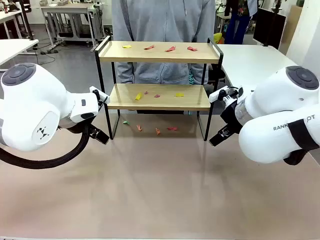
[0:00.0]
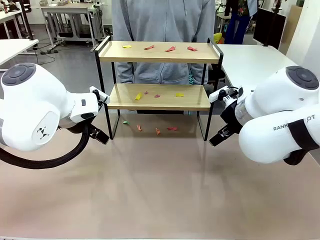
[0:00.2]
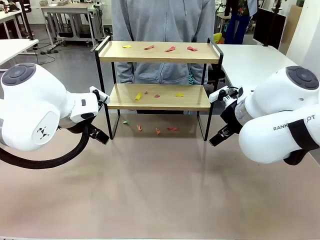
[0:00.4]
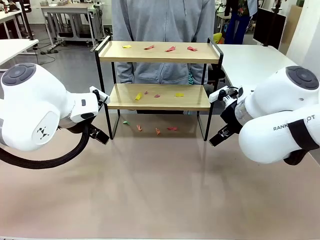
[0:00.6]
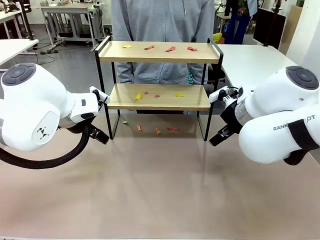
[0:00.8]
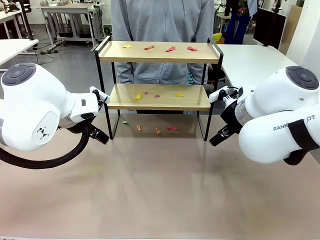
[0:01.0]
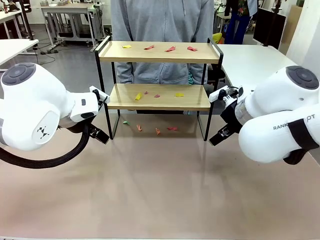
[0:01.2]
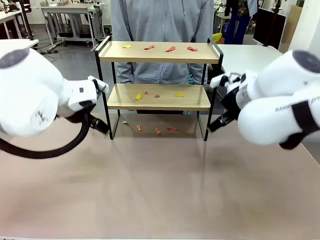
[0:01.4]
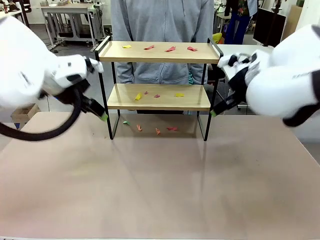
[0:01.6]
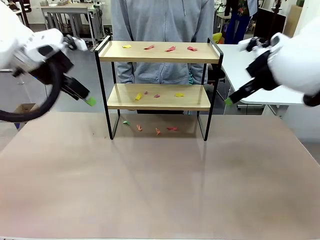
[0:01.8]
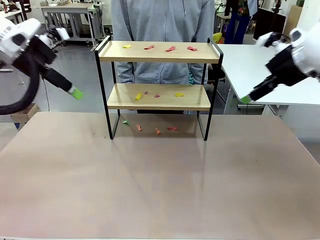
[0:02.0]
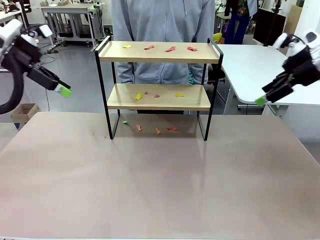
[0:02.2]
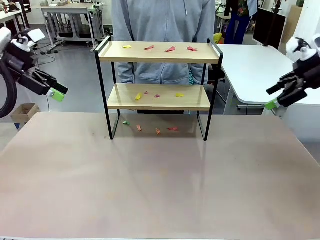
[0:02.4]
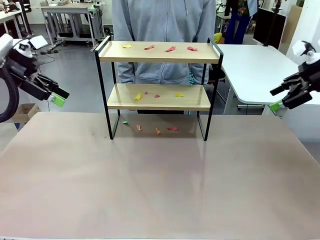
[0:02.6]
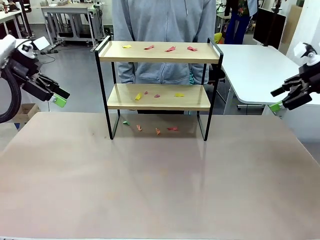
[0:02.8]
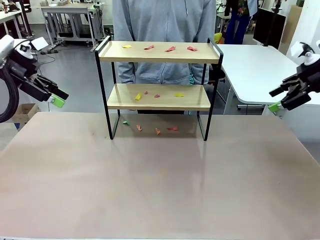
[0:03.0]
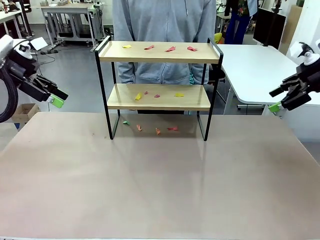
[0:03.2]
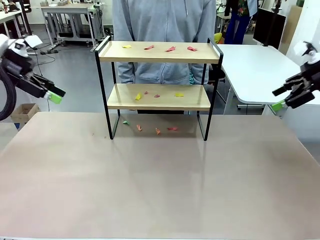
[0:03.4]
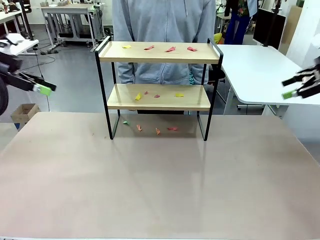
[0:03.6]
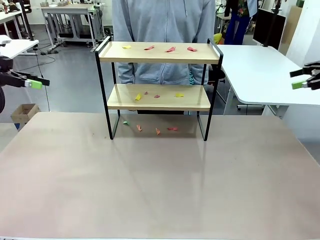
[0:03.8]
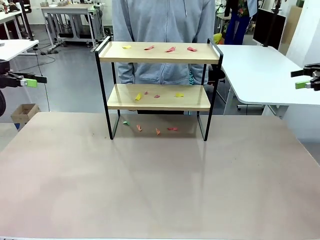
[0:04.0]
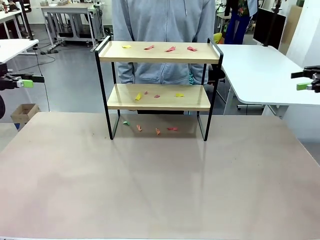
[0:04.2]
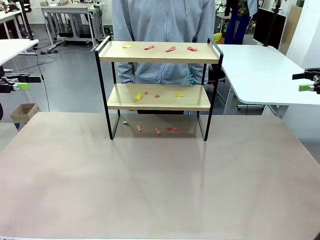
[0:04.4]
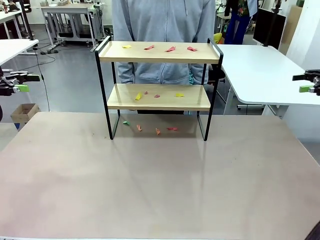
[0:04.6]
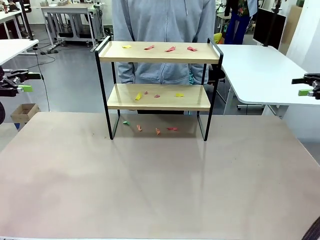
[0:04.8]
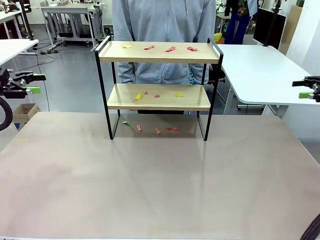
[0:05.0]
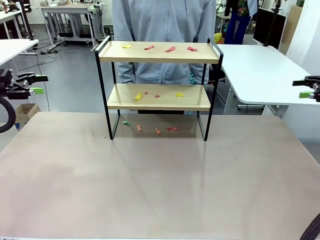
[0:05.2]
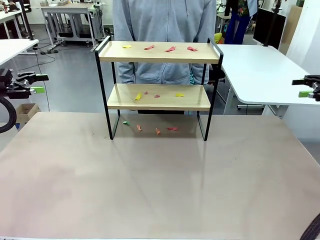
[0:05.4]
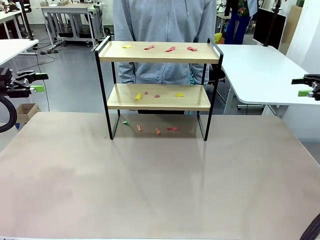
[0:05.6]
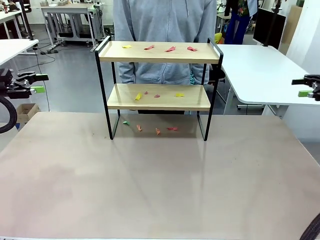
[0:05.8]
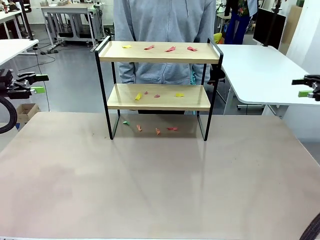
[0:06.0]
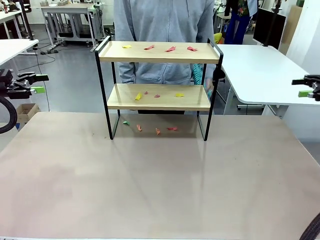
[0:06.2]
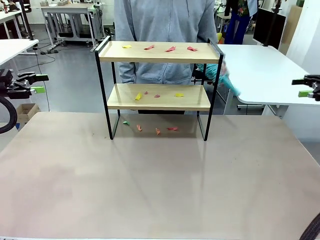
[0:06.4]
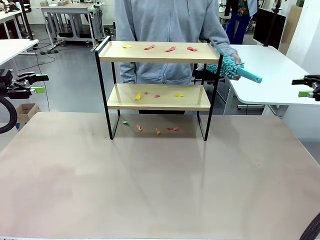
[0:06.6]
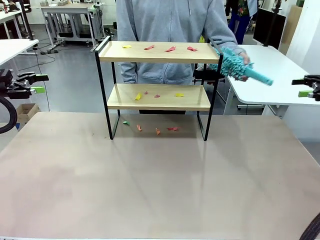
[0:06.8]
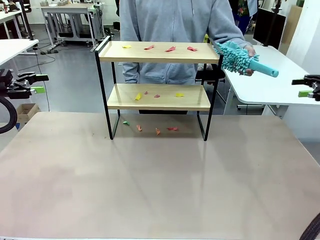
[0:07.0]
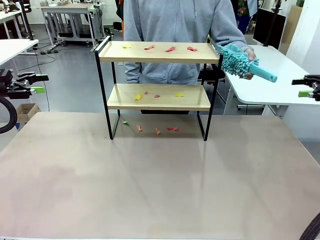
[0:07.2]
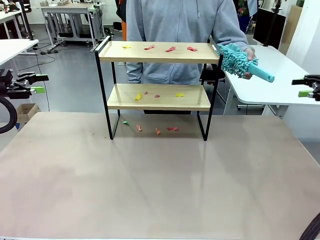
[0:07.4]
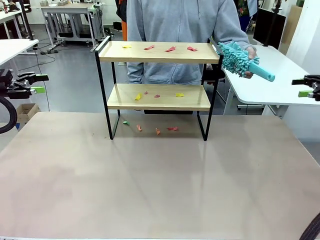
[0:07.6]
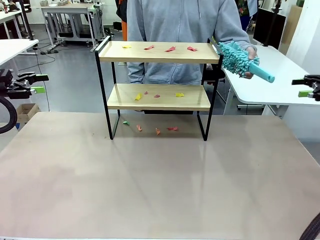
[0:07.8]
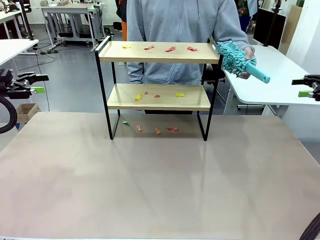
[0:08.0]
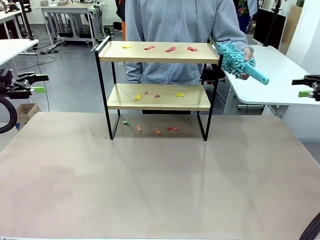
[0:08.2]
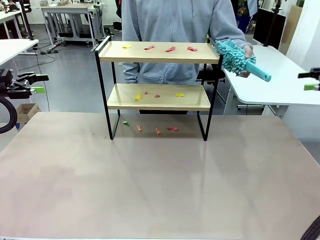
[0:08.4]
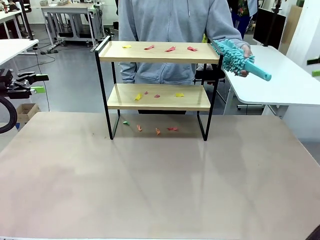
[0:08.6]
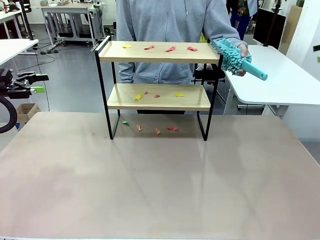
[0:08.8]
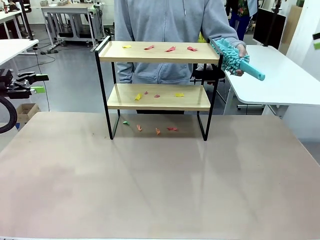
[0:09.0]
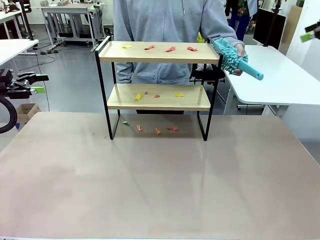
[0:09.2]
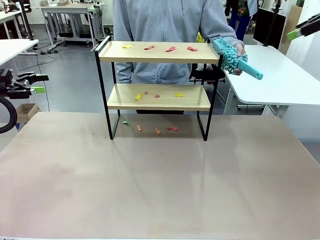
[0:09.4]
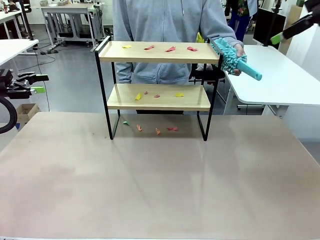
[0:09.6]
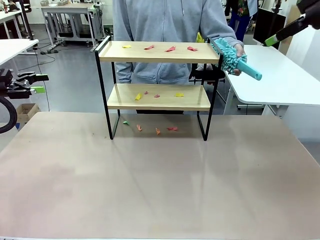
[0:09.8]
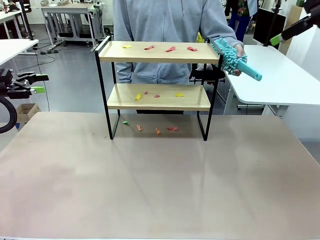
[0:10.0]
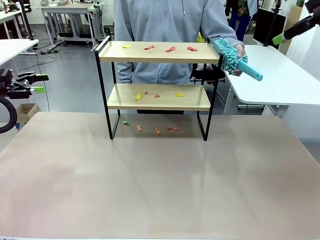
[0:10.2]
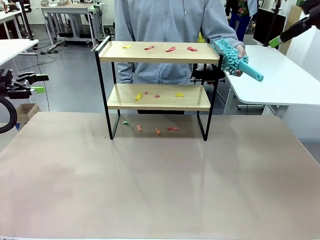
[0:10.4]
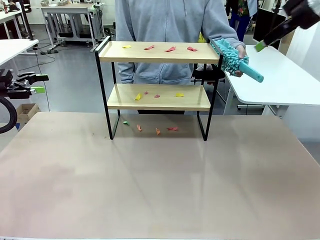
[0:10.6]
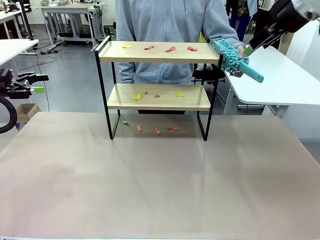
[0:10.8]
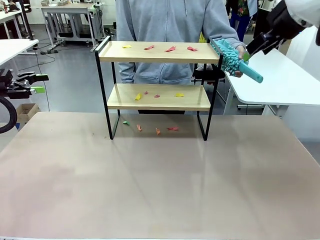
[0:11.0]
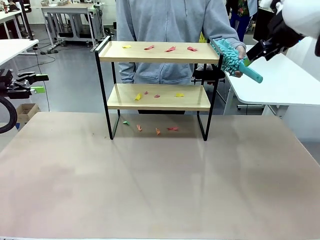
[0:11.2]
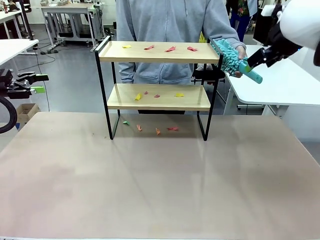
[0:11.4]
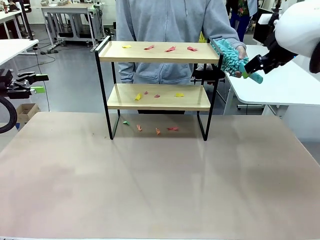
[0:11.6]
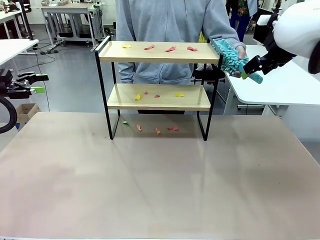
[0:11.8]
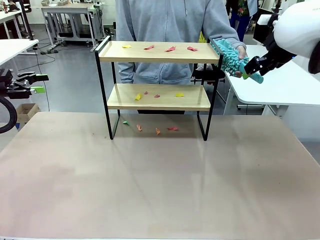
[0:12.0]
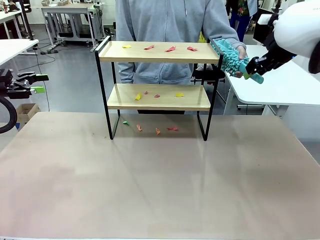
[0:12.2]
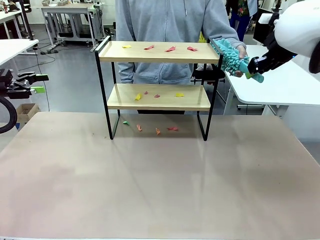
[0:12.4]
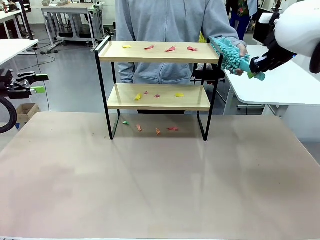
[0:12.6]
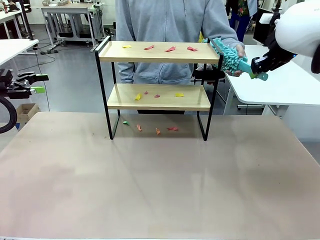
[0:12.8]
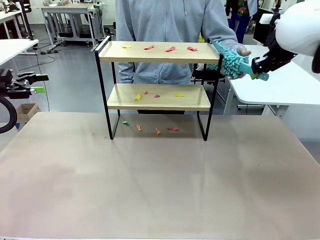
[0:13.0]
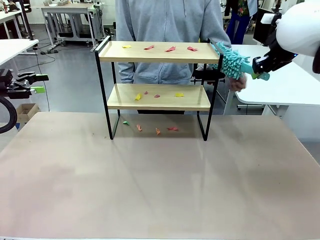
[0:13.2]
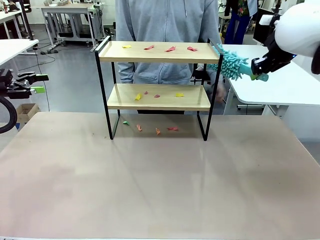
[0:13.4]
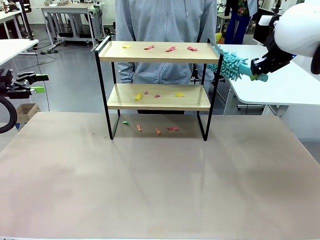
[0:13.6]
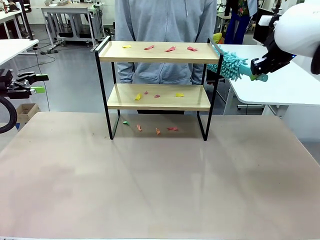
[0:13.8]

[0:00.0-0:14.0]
Task: Clean the shelf.
Robot: Pick up the Duster handed by the human.
Person: Hand the Duster to the robot.

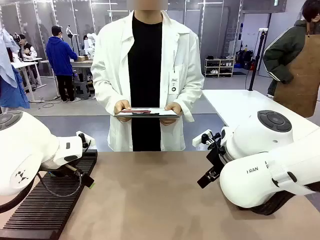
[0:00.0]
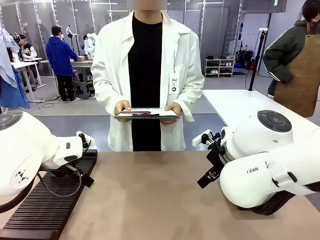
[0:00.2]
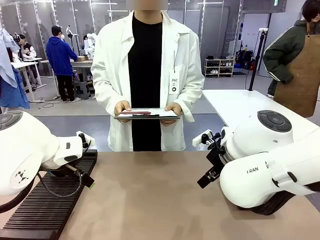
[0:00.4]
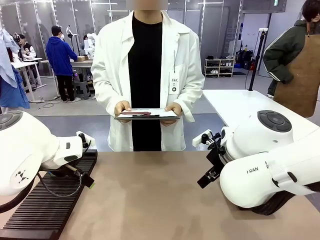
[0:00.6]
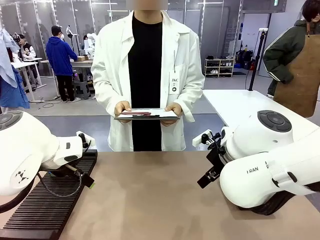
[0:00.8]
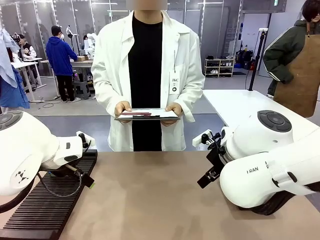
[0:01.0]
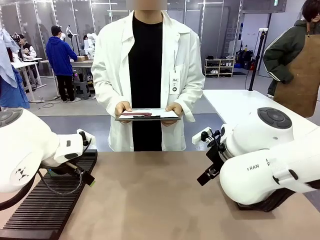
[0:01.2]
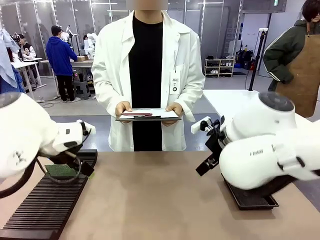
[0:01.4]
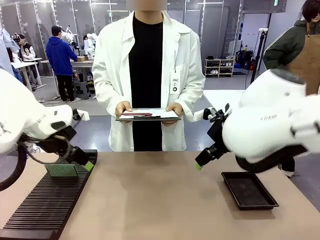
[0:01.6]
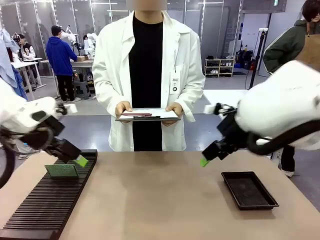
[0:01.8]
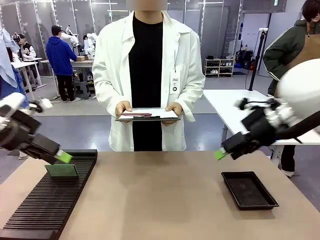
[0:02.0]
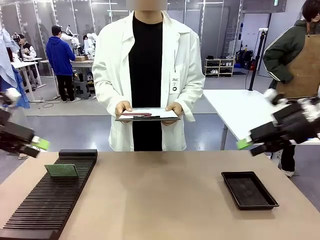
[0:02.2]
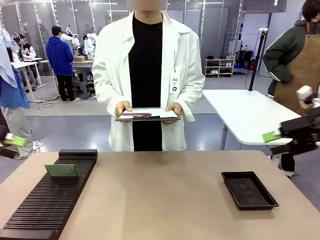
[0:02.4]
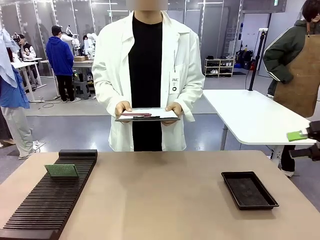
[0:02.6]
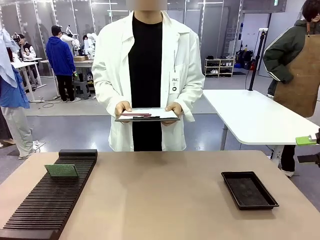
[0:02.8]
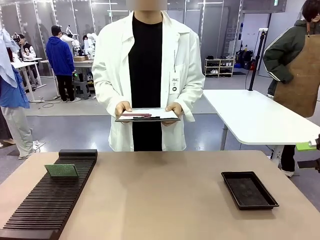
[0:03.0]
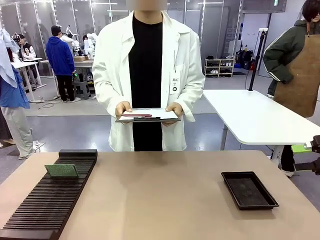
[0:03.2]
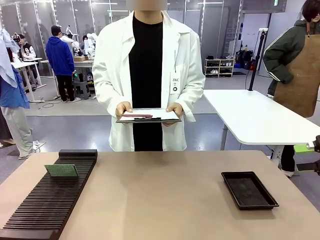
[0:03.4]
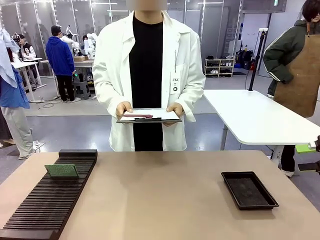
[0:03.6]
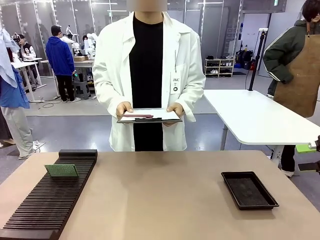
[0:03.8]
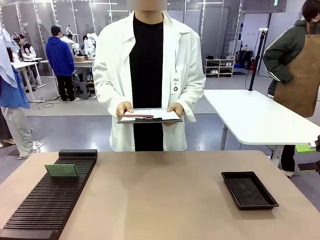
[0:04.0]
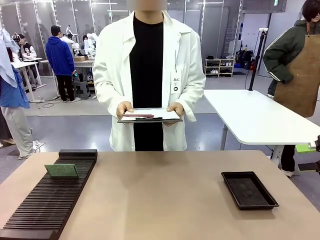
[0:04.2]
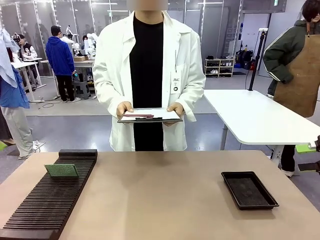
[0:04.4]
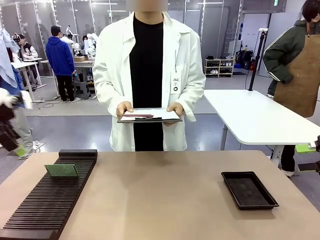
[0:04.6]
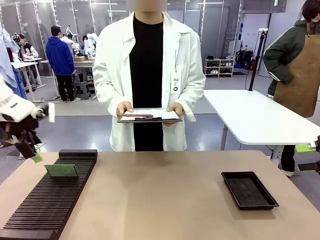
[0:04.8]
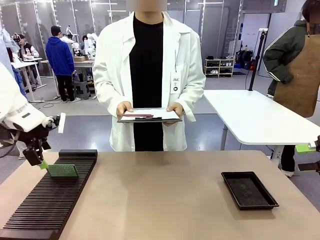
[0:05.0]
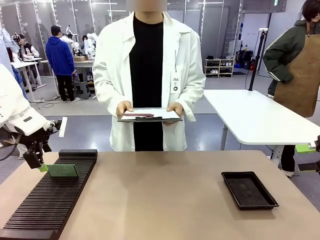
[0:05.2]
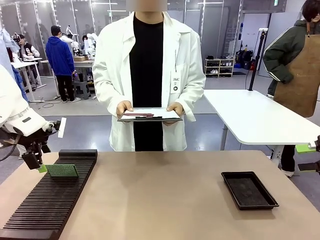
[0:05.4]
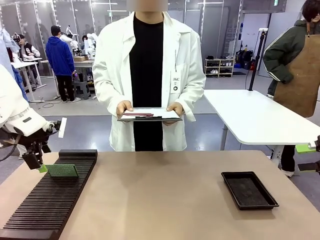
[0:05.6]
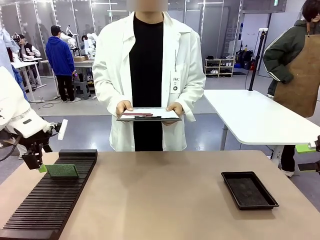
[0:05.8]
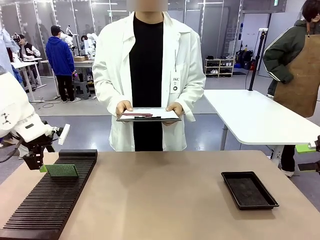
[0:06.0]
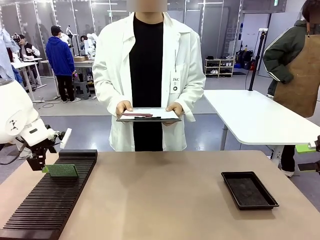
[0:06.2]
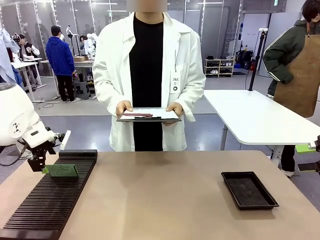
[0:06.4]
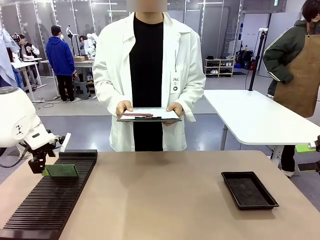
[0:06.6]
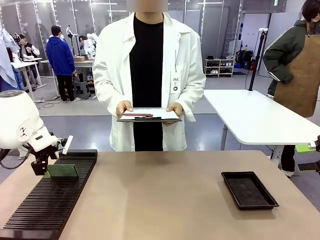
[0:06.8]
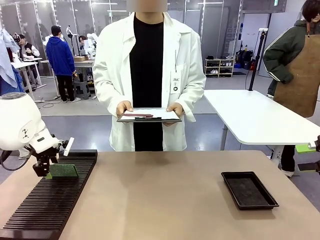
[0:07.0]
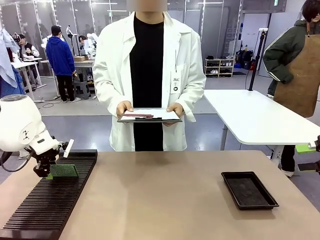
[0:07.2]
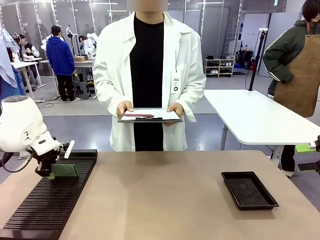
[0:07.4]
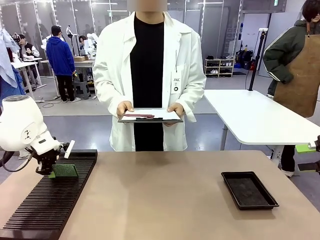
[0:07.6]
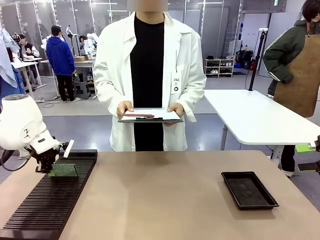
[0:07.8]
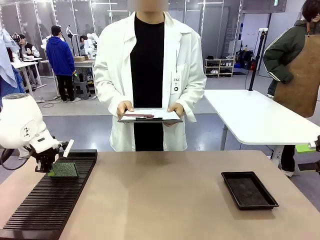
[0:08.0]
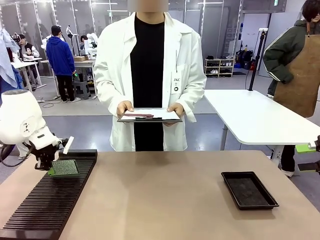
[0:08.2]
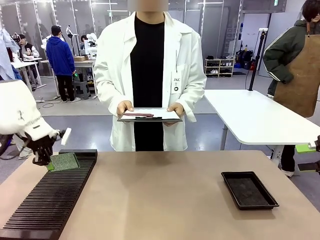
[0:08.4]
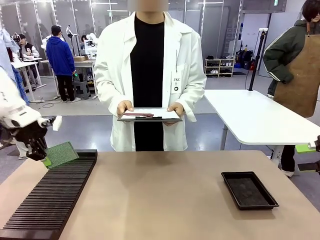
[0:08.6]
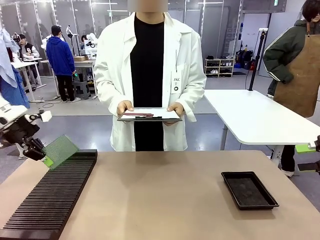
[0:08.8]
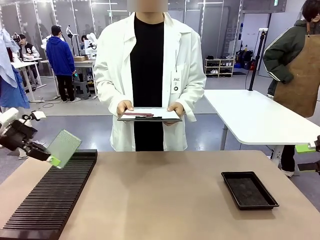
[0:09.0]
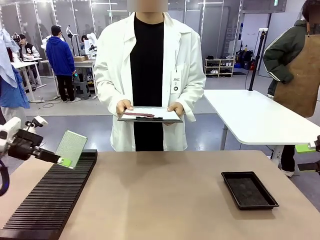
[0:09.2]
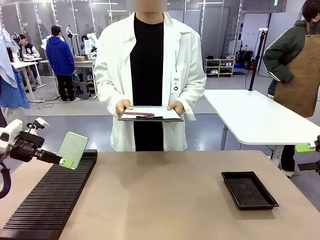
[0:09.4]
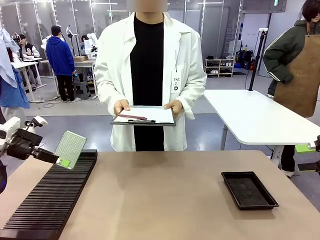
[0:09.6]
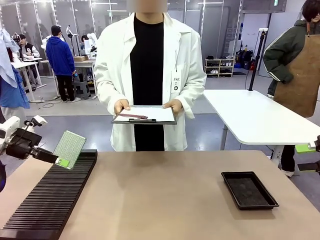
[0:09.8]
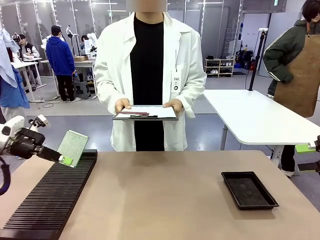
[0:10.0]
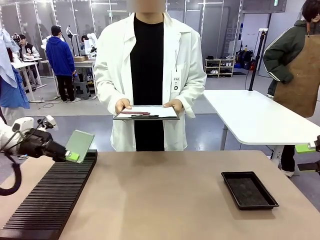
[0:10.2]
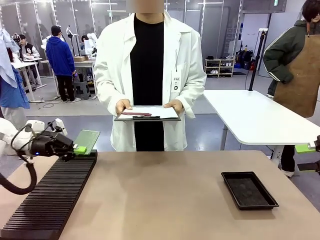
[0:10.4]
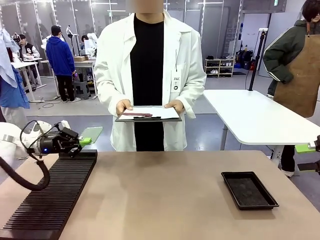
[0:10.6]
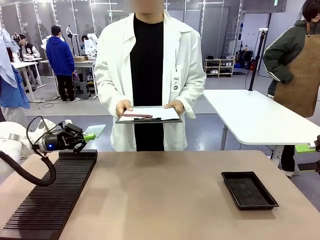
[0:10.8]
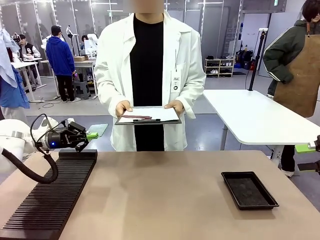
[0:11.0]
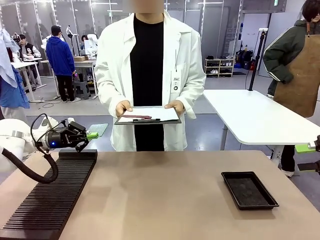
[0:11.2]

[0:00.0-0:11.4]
Task: Inspect the PCB.
Robot: Pick up the Blank PCB and present it to the human.
Person: Pick up the PCB presented by the robot.
